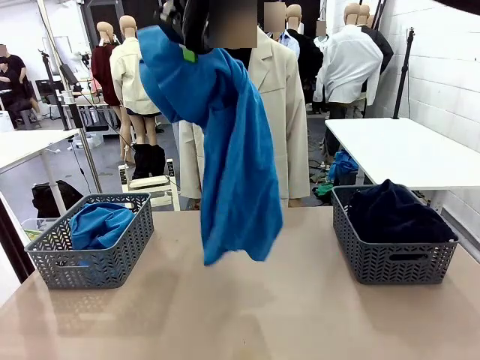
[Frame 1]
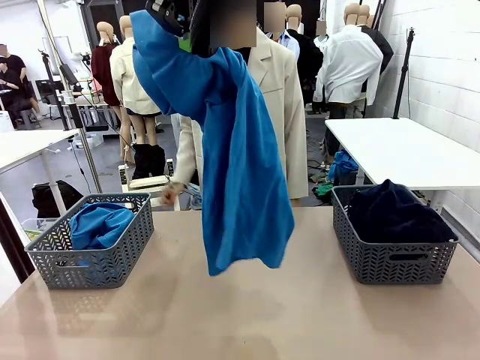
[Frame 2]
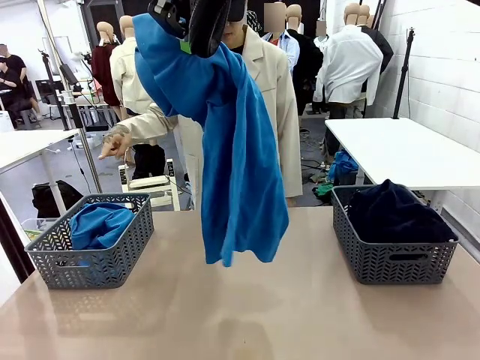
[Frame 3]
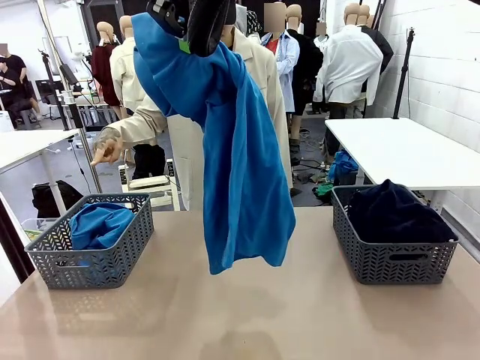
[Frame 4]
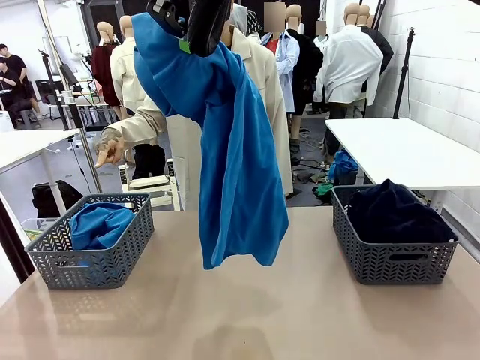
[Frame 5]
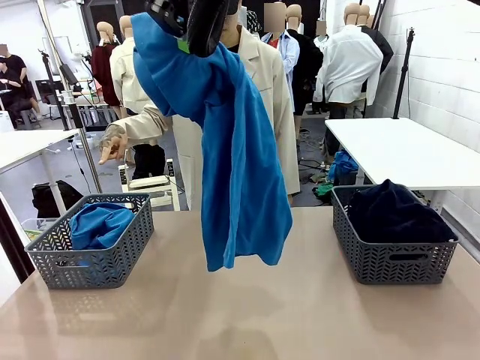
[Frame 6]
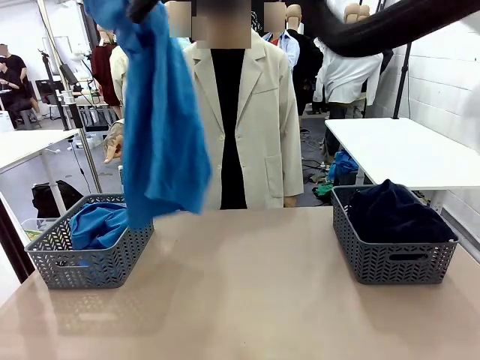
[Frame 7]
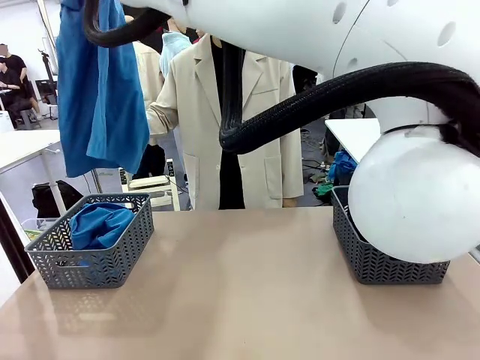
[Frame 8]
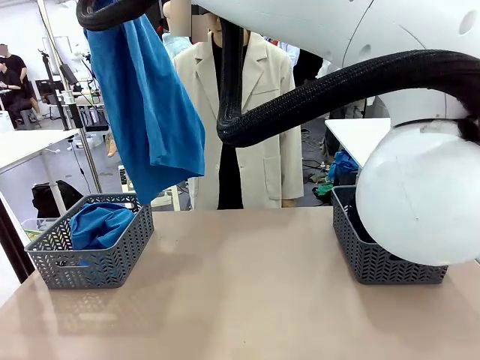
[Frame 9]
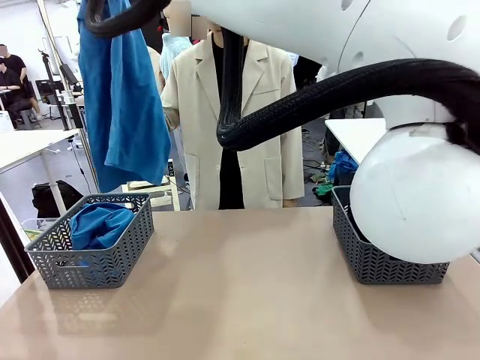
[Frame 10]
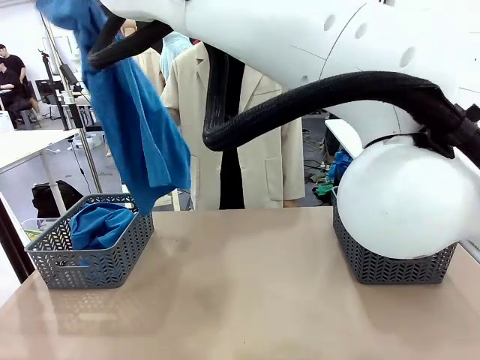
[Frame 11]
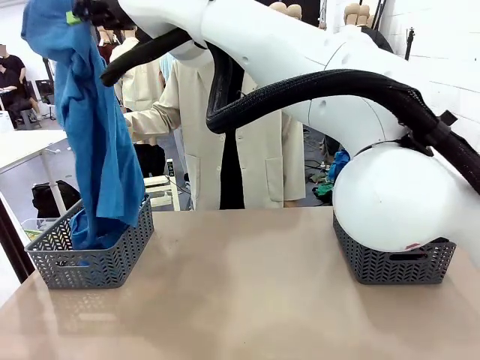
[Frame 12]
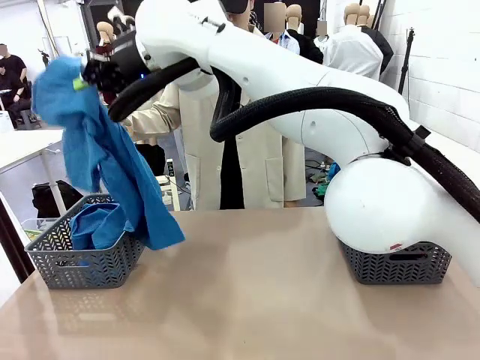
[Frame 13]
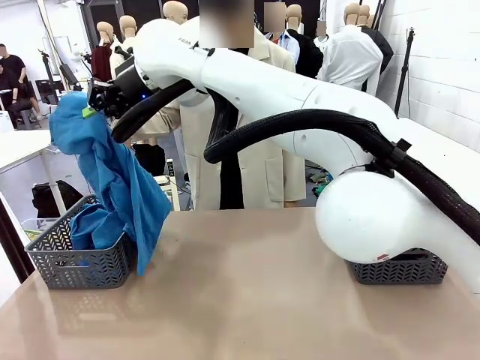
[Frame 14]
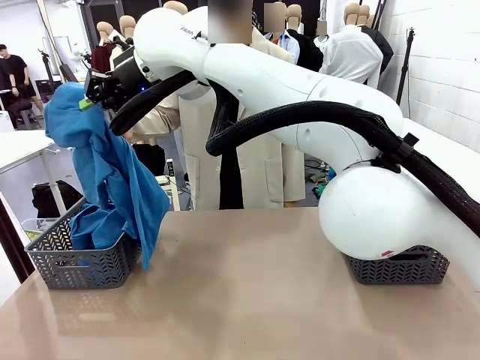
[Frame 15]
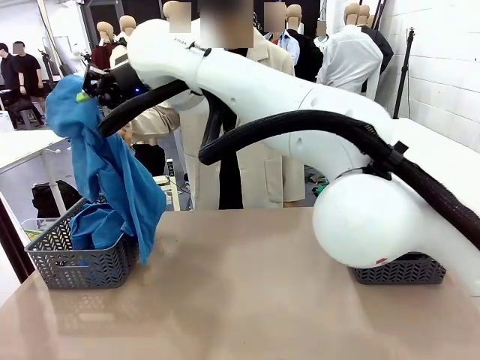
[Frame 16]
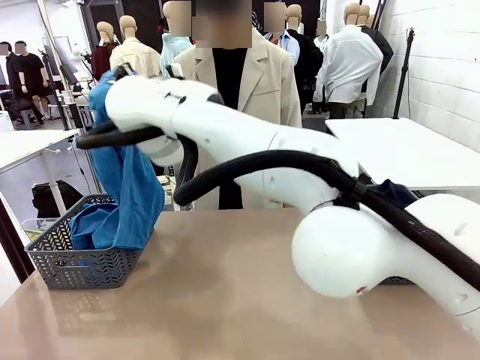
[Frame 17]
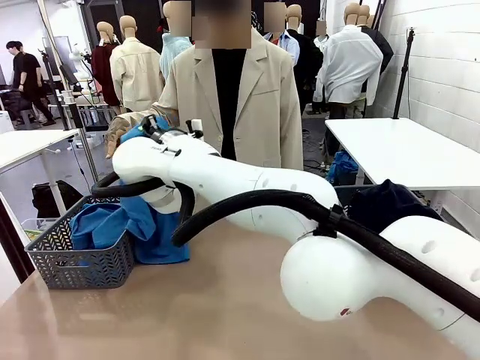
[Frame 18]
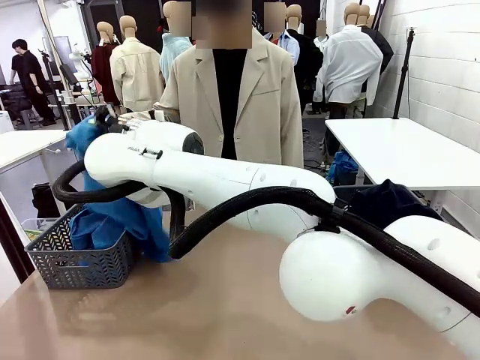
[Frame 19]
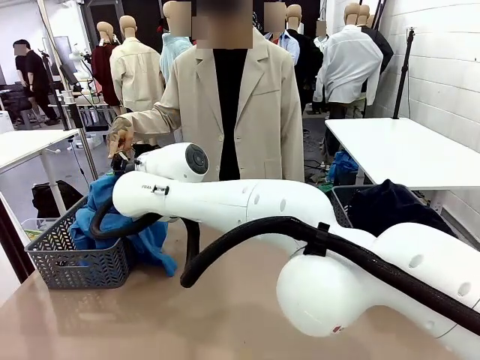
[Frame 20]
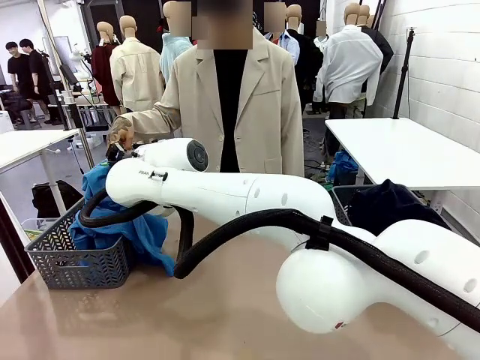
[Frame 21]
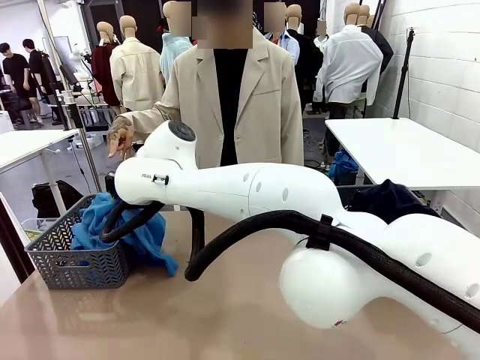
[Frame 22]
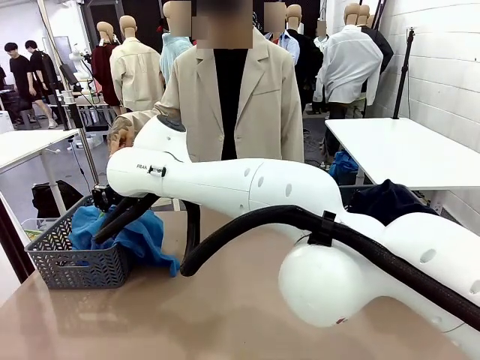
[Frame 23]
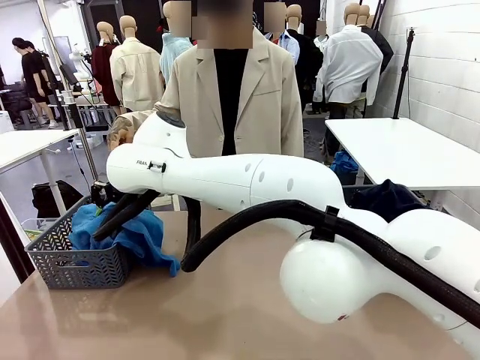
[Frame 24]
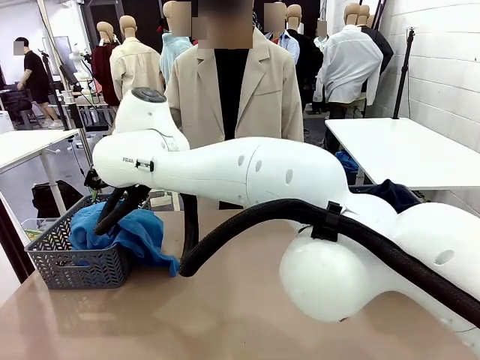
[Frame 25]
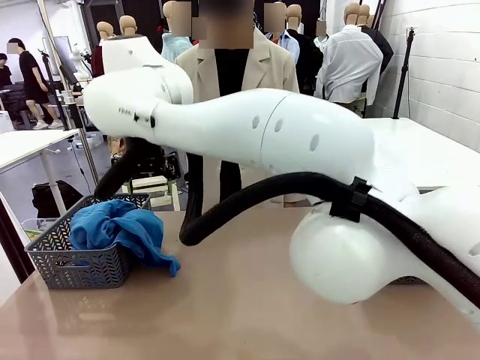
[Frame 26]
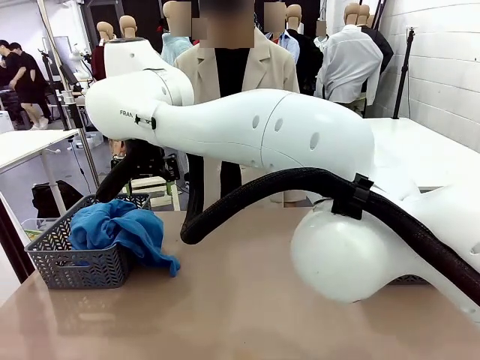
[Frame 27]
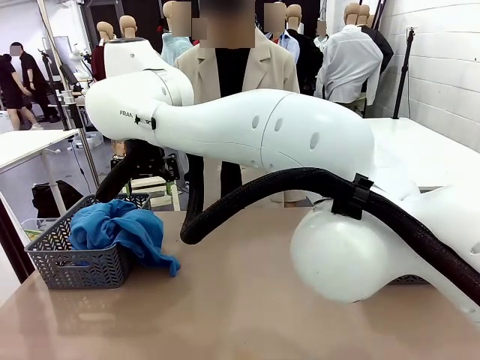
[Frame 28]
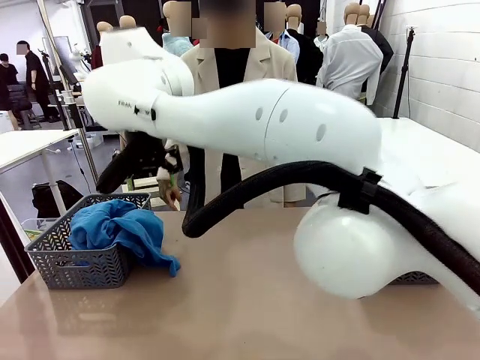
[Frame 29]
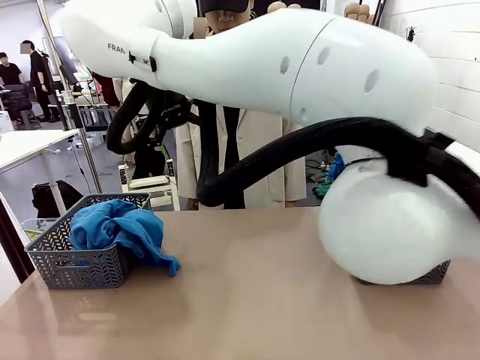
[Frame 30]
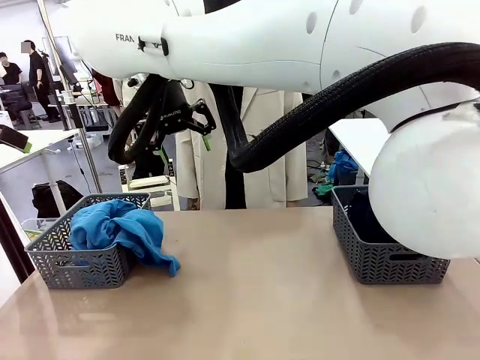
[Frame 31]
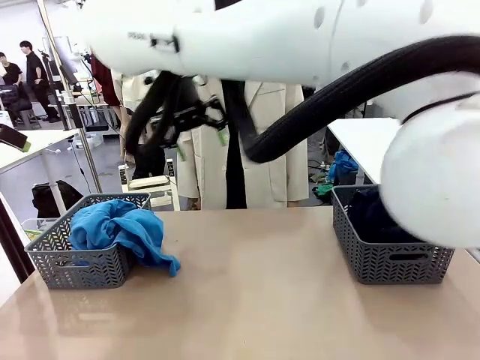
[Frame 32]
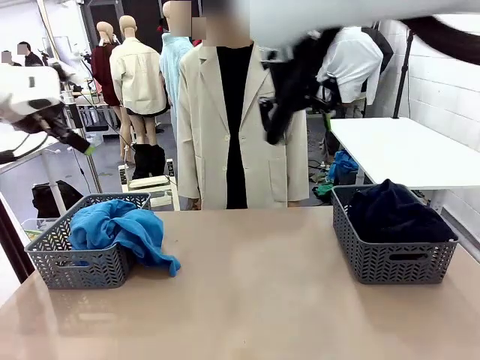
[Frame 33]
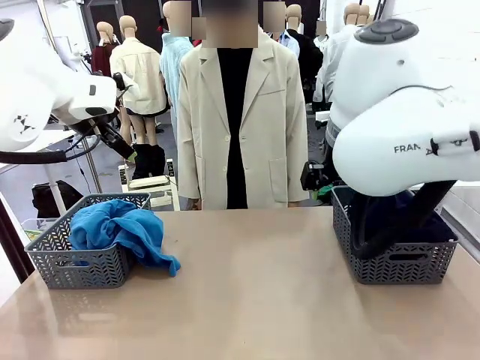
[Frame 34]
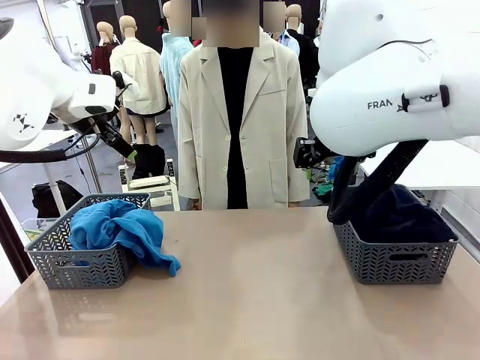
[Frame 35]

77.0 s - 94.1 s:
Task: Sort the tops and bottoms.
Robot: Sort the clothes according to human instructions.

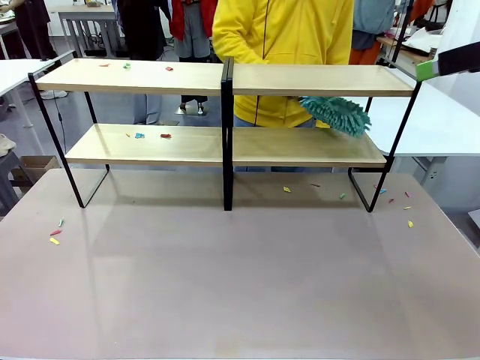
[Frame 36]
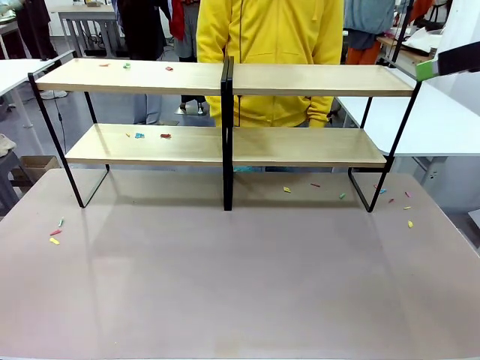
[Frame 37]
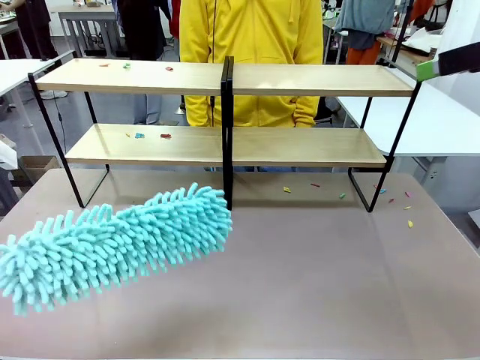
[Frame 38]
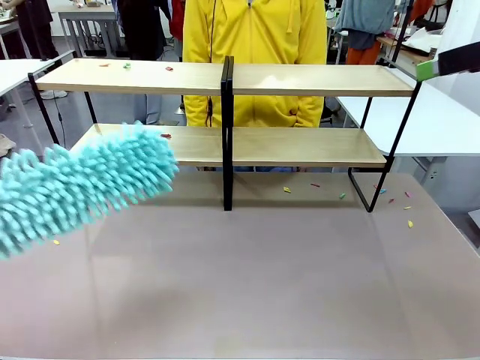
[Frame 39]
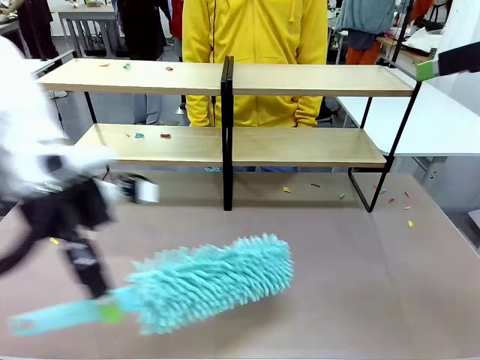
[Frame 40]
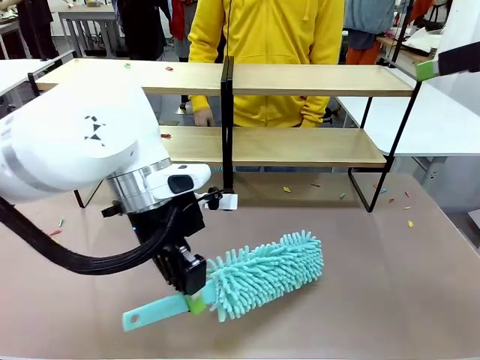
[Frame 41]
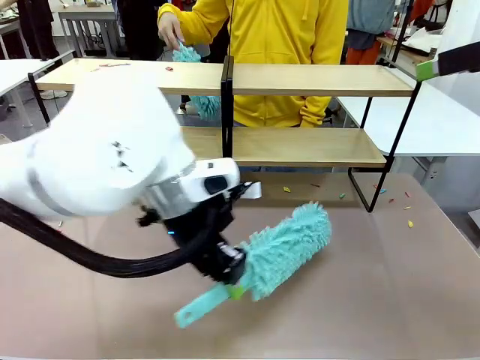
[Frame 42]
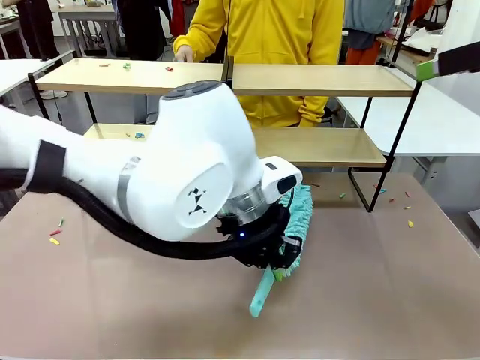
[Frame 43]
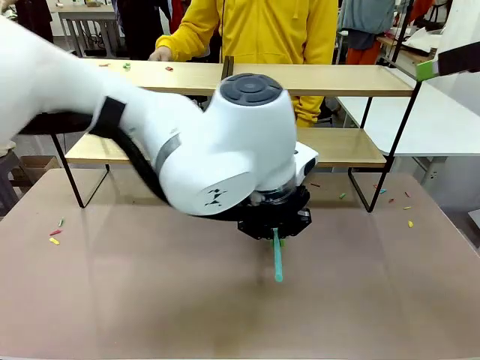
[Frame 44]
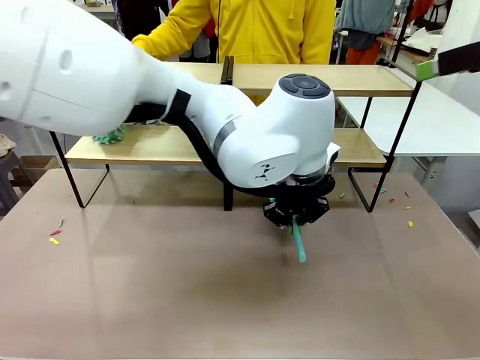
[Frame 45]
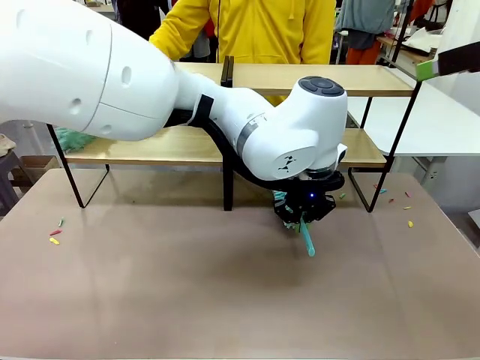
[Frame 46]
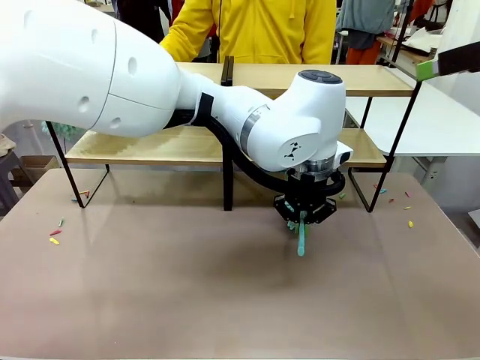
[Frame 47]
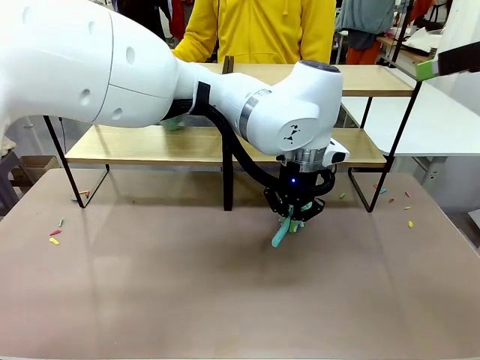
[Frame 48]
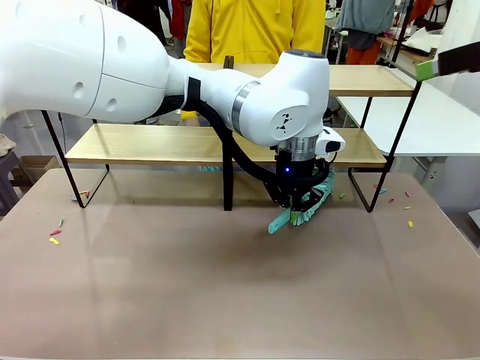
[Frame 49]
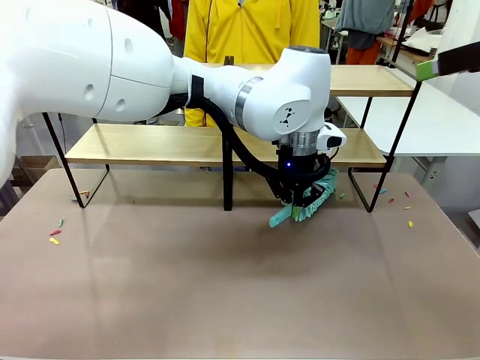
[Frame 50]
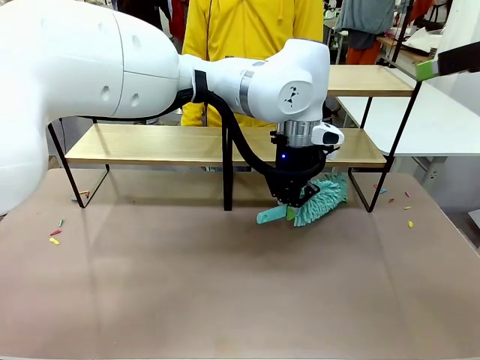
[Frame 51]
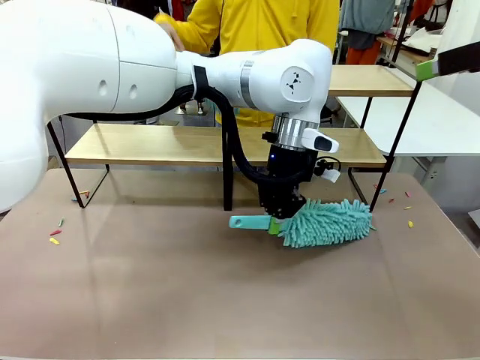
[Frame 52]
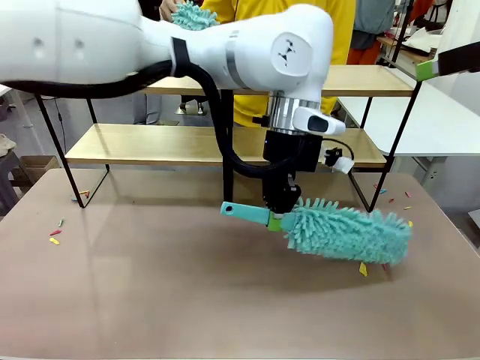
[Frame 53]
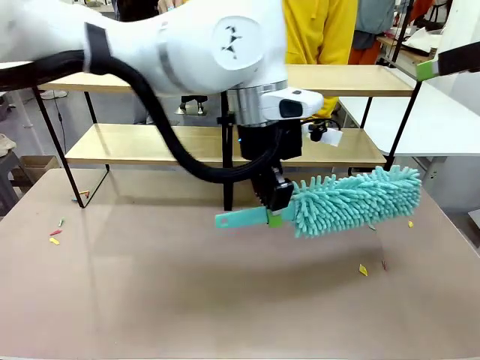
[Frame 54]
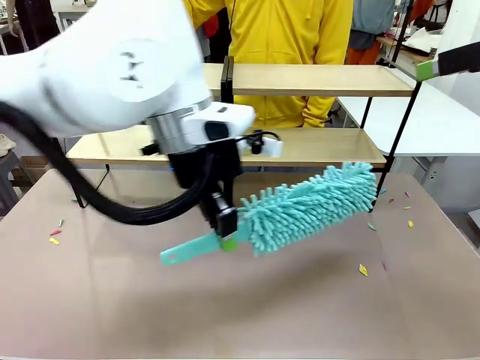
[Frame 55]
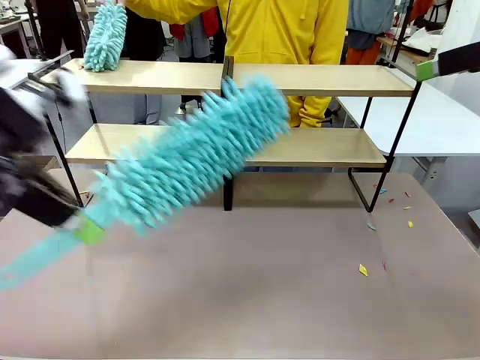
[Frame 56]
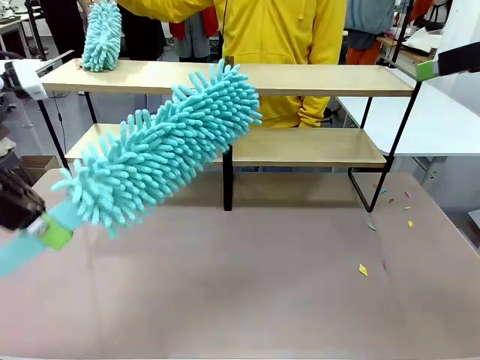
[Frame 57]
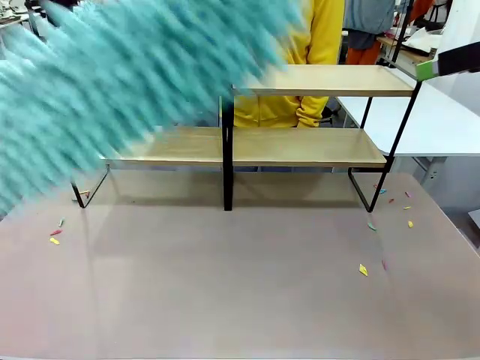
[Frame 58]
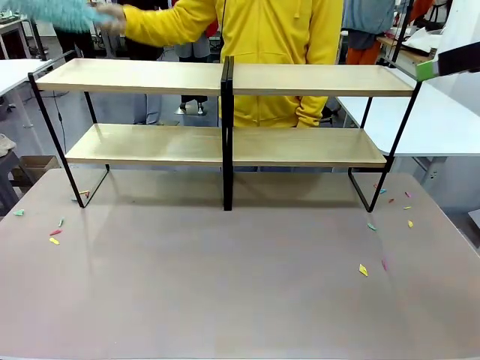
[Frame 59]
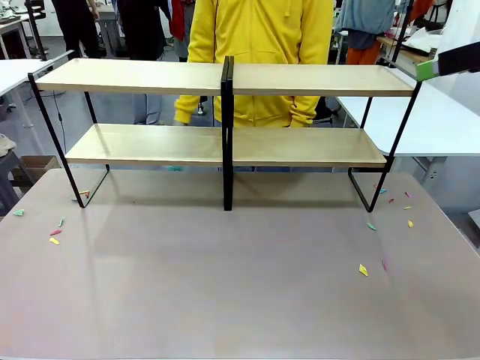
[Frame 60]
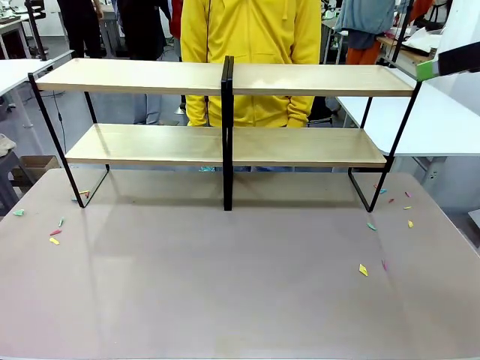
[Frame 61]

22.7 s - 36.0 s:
Task: Clean the shelves.
Robot: Clean another randomly selected level of the Shelf with the Duster.
